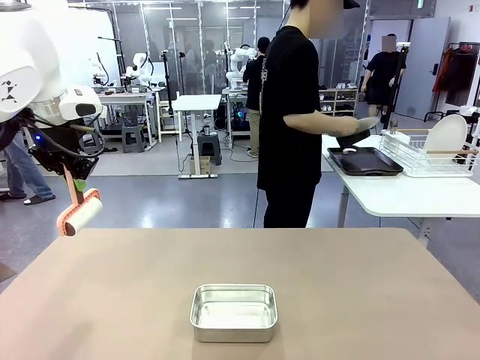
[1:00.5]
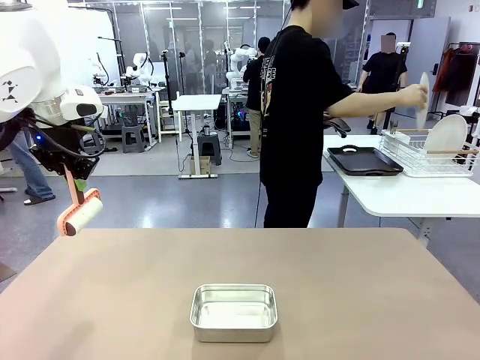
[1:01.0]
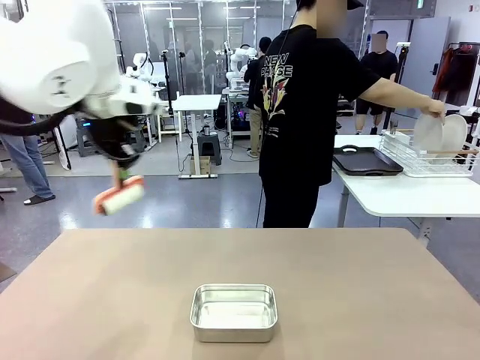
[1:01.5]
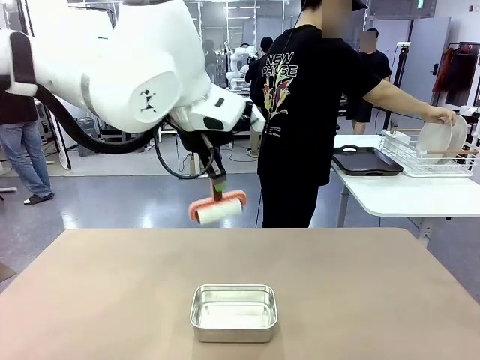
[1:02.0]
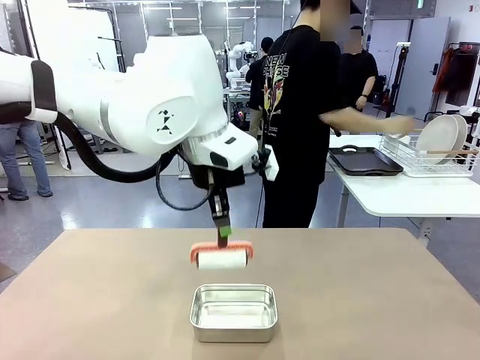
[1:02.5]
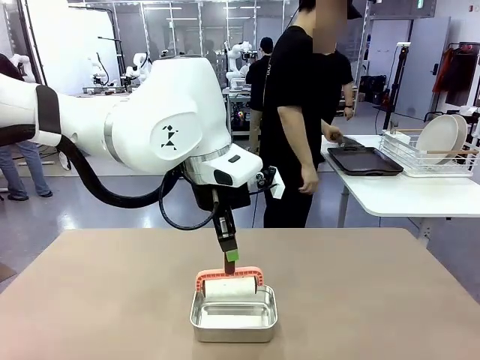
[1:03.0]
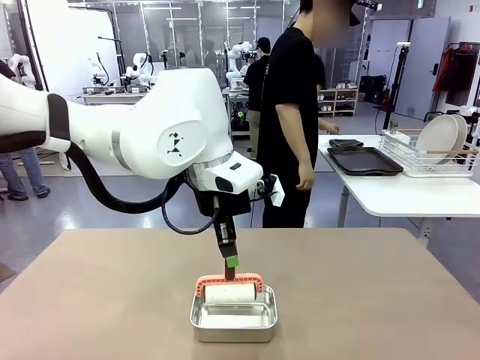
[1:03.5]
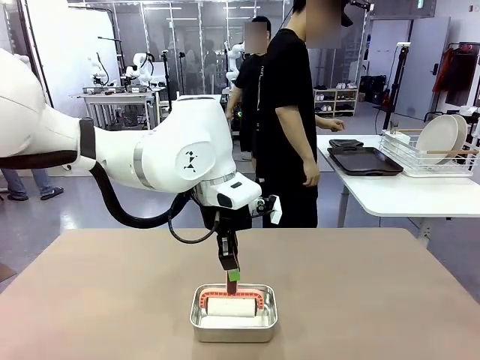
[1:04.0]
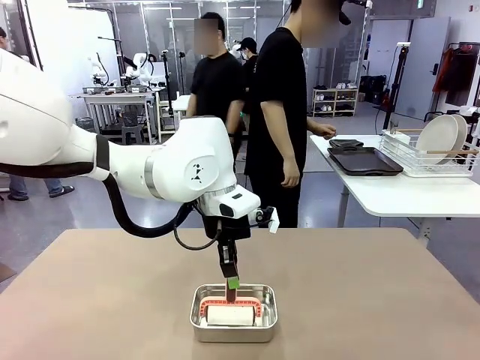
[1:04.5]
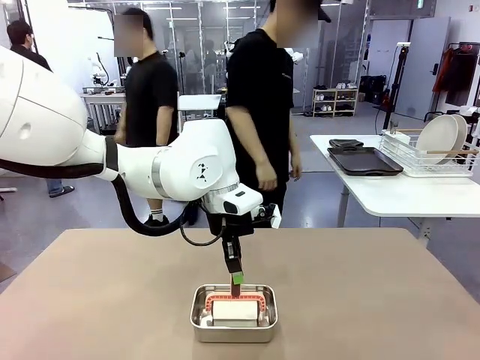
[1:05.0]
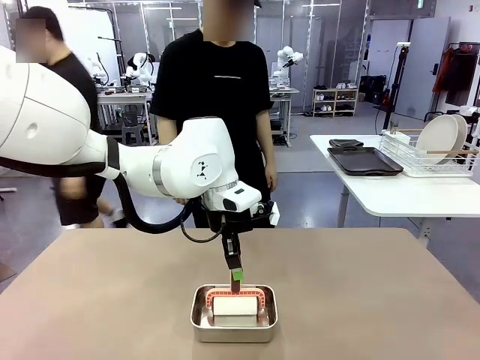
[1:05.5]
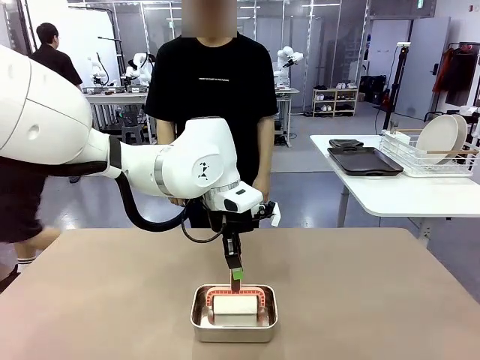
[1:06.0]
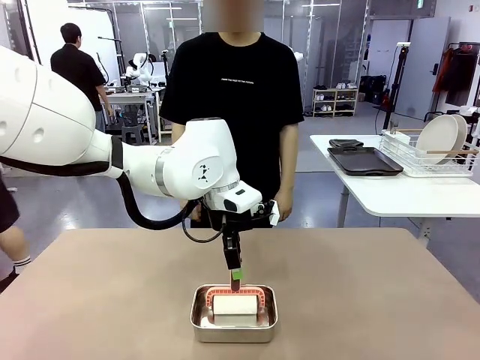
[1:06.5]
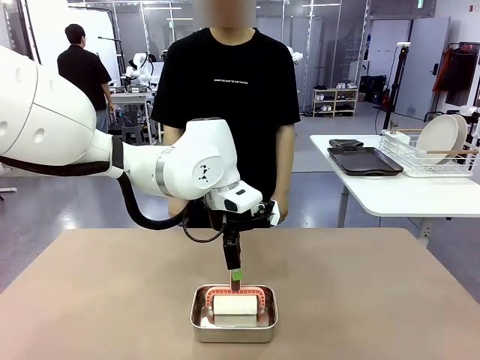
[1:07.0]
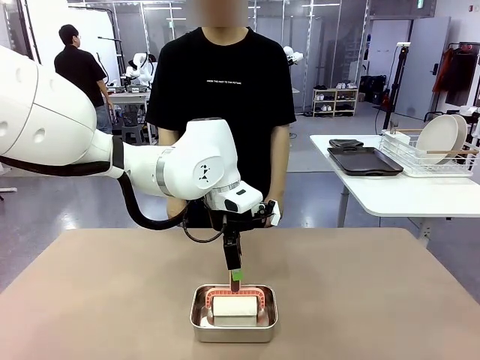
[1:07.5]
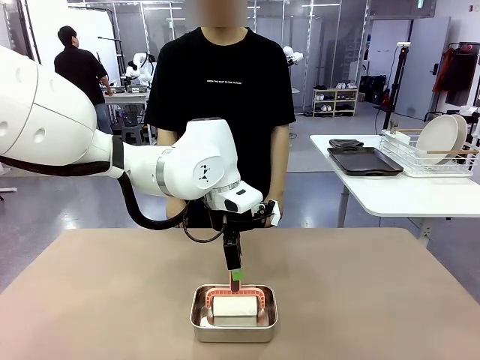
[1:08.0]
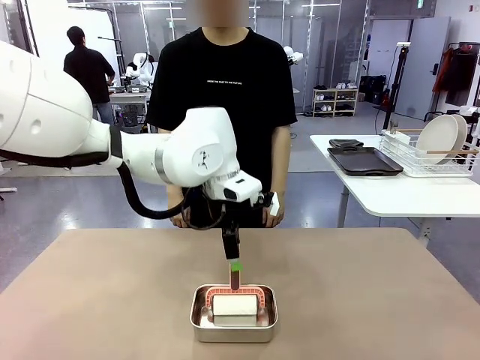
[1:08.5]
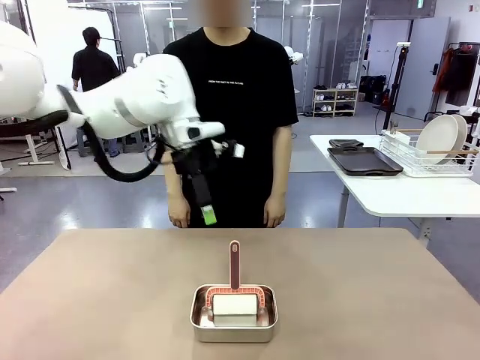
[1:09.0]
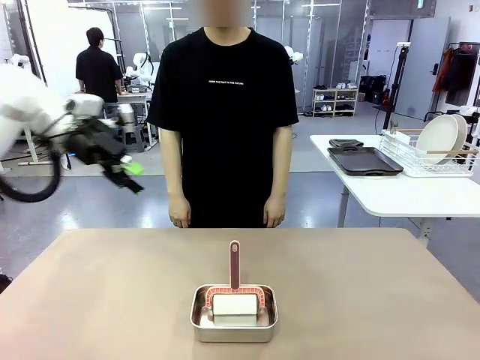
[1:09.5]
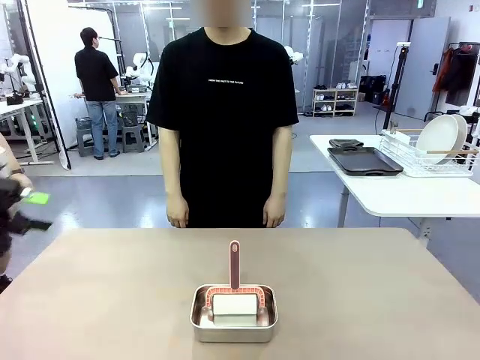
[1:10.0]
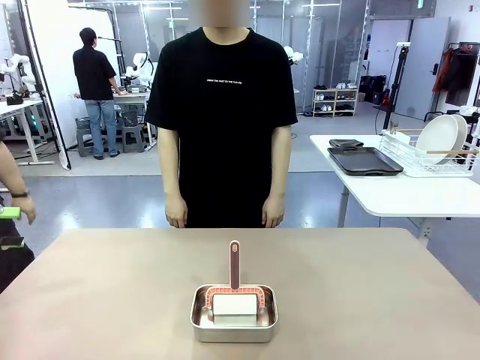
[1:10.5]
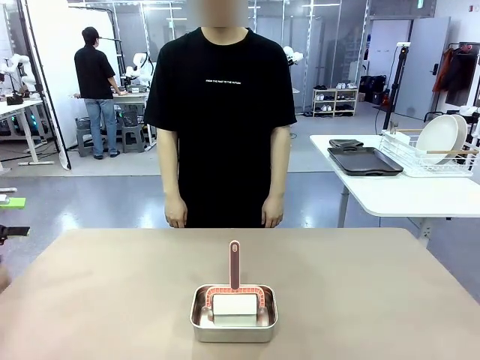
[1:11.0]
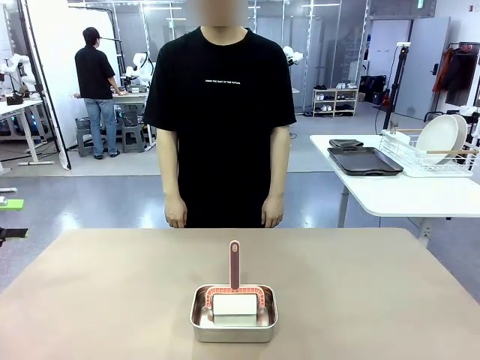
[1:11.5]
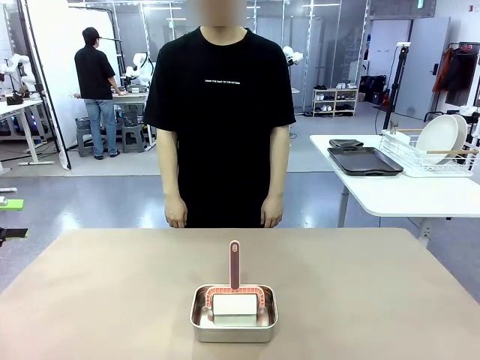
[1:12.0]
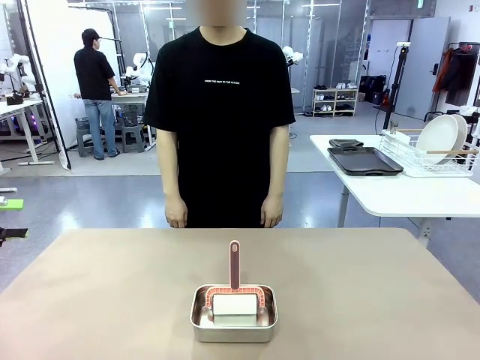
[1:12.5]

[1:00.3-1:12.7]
Robot: Place the Lint Roller back on top of the Airtight Container.

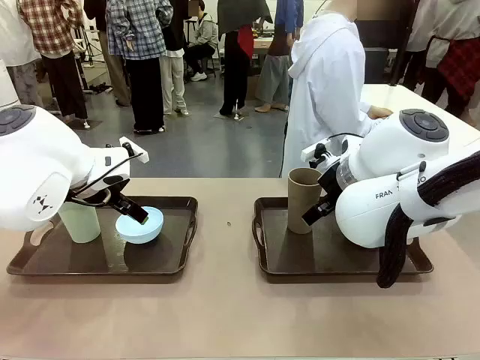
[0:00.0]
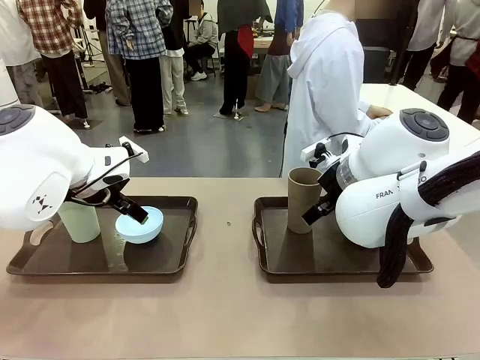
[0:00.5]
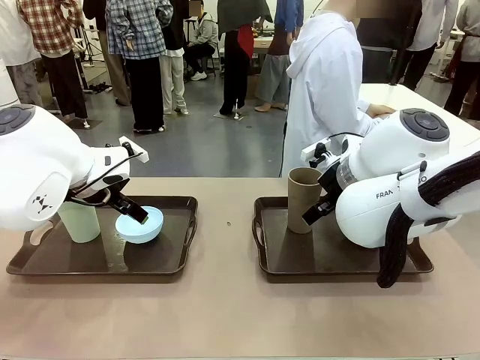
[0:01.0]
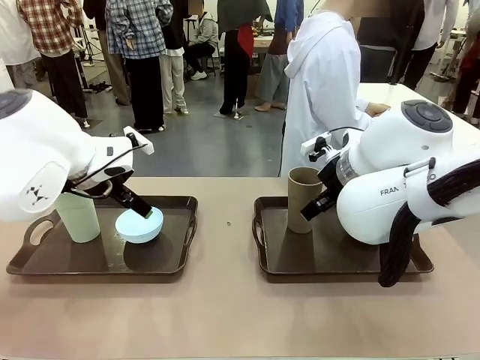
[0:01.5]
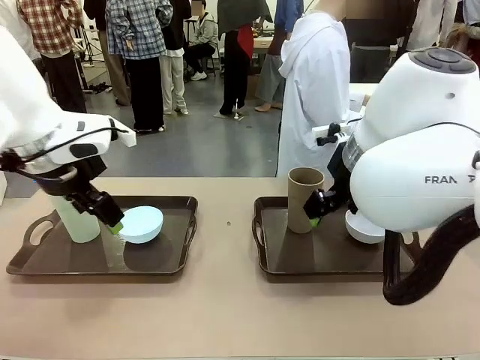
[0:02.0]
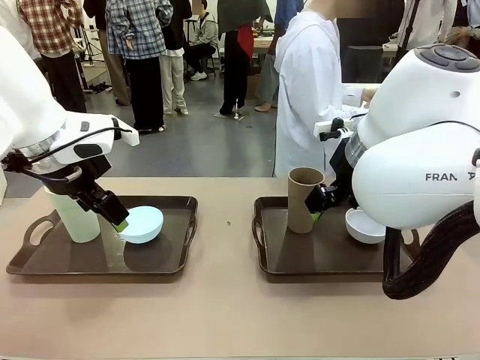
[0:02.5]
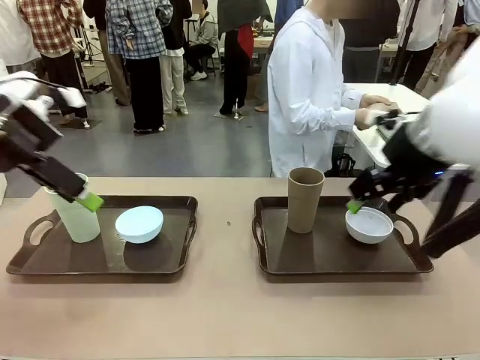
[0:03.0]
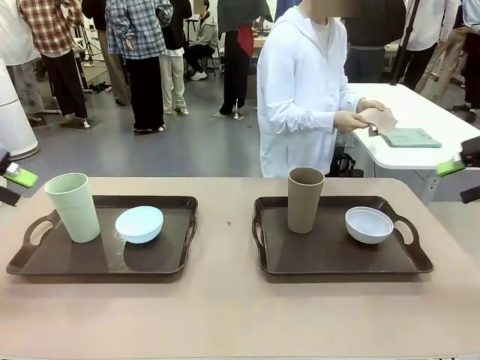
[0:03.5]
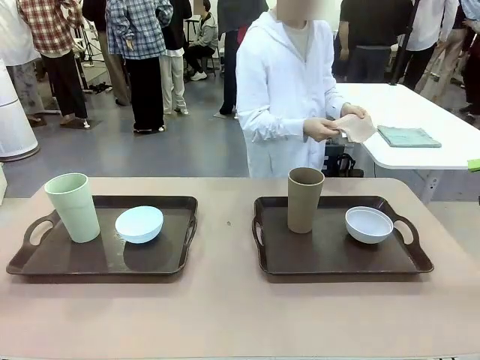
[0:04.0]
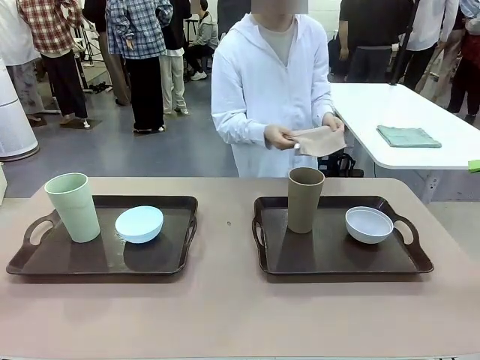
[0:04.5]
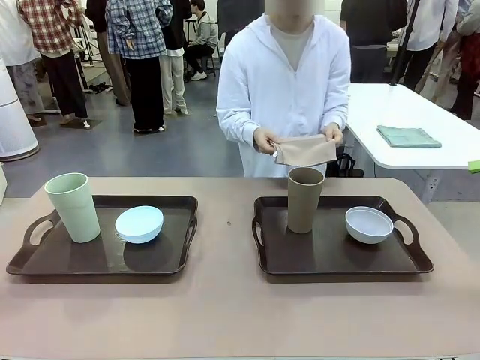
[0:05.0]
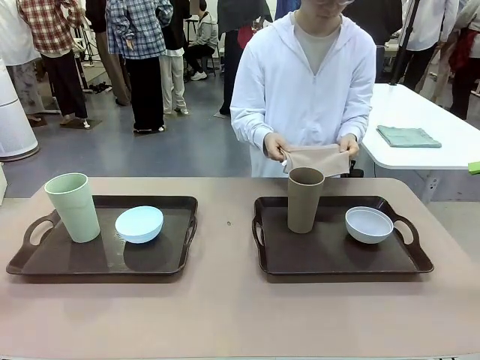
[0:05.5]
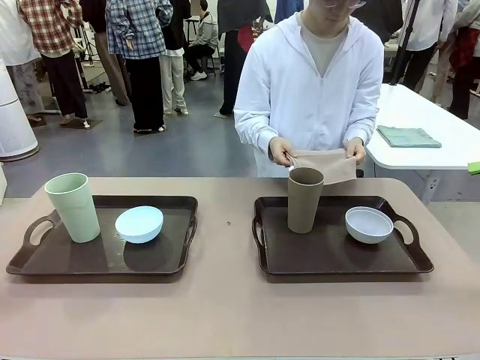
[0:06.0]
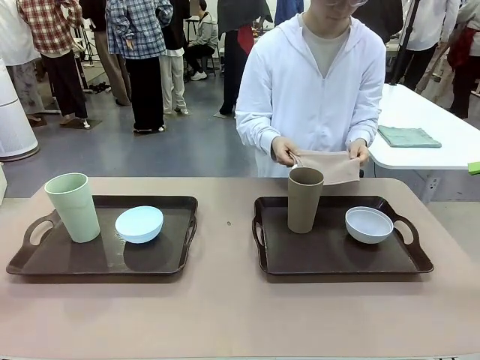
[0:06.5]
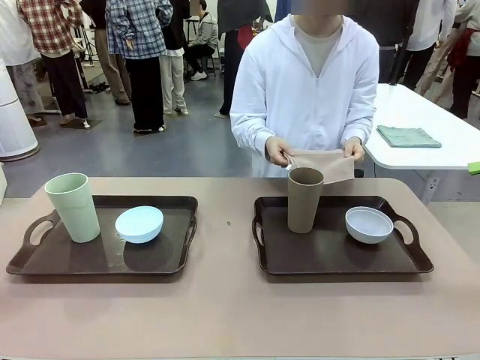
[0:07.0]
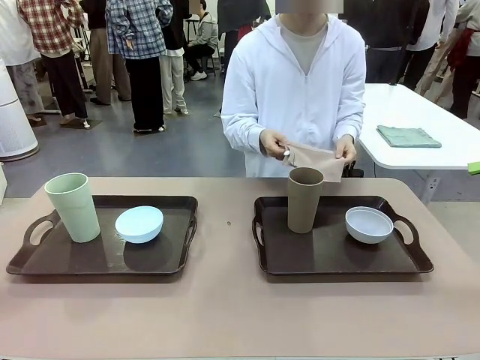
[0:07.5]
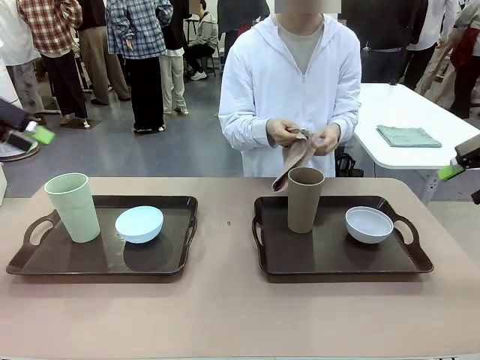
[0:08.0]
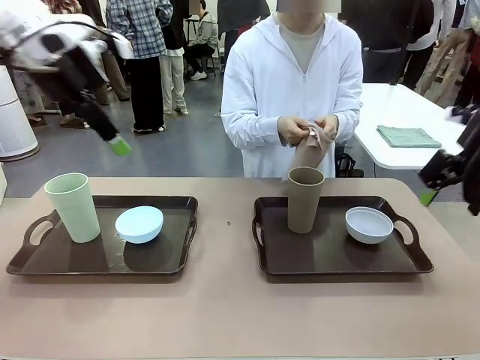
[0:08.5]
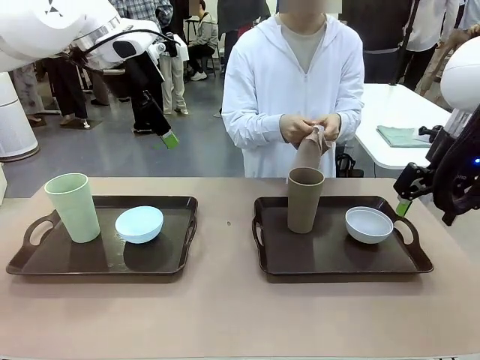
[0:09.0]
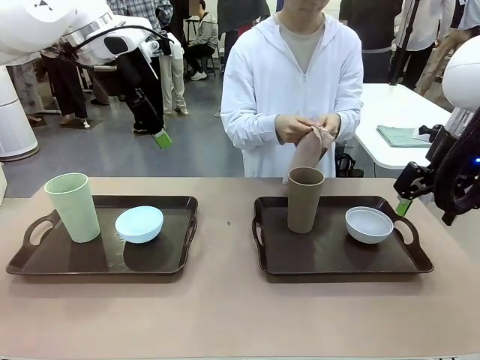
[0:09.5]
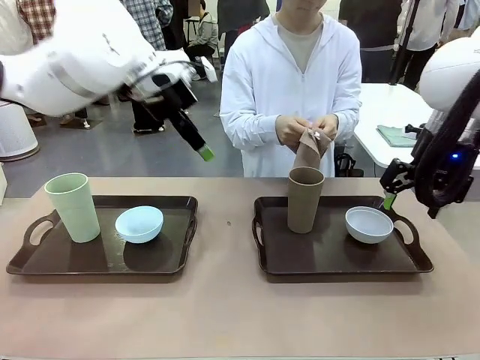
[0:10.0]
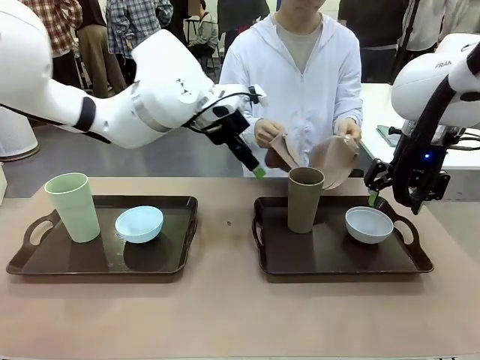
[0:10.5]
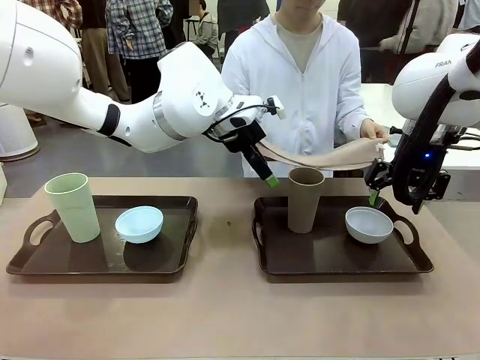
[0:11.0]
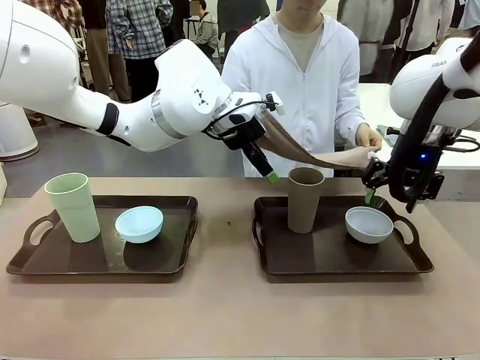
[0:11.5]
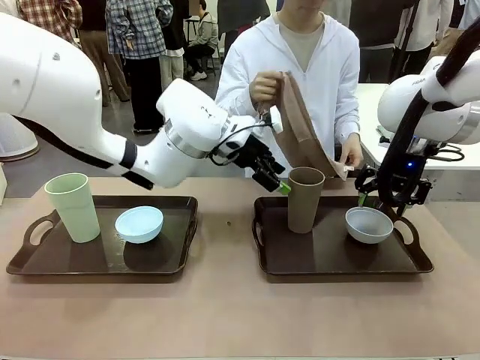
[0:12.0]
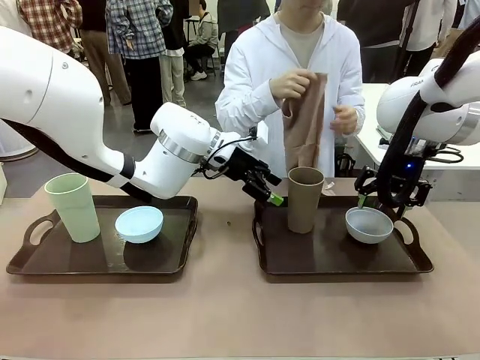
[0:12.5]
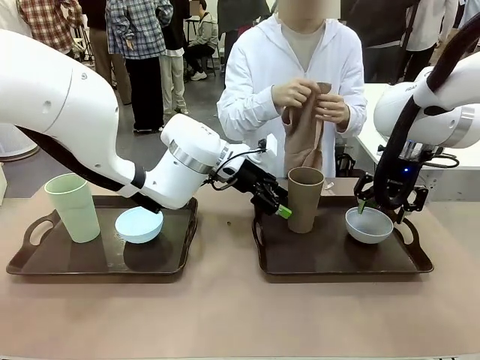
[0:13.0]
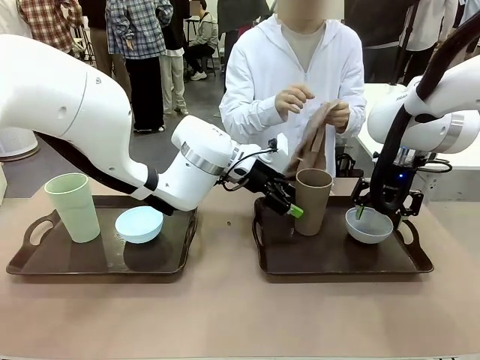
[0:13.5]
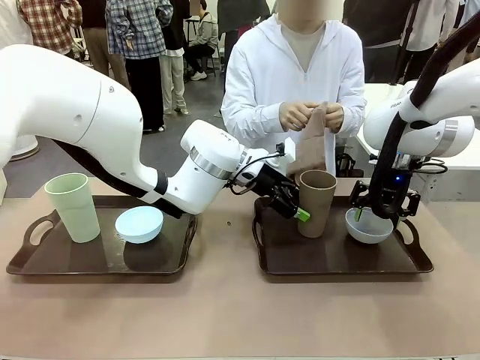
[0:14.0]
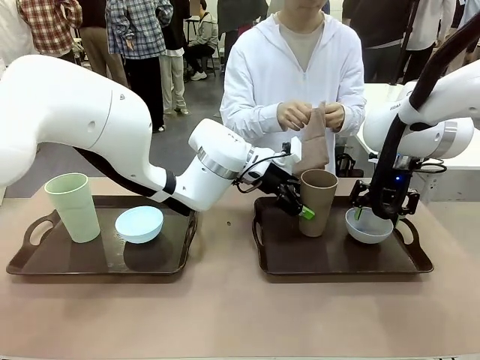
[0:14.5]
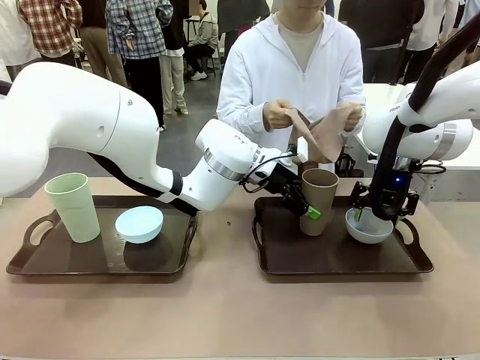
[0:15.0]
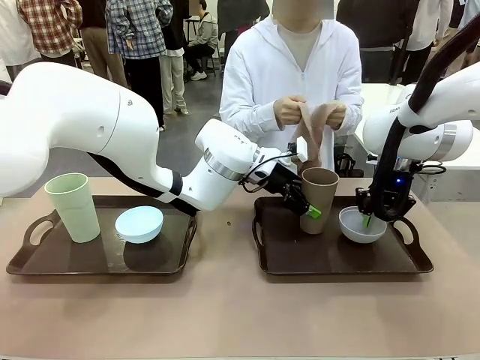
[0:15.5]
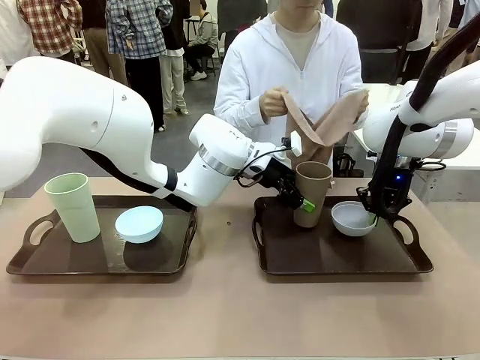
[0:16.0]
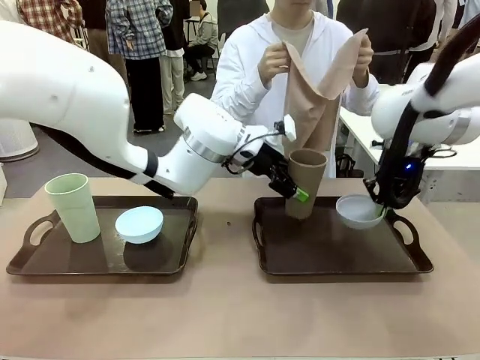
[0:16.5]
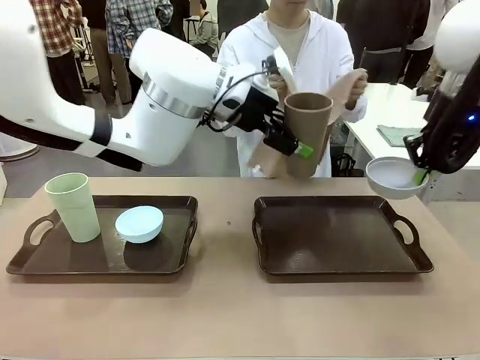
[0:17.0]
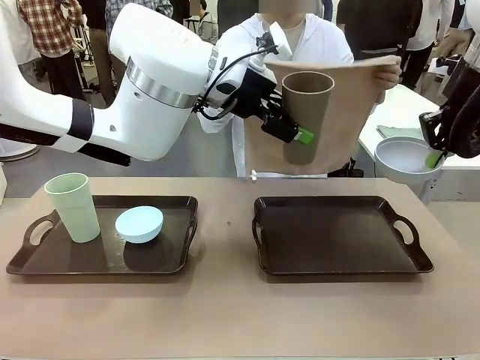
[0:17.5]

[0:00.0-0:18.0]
Robot: Pick up the Picnic Bowl and Reusable plastic cup from the Handle tray in front of the human's position and hold them in the air.
Person: The human picks up the top napkin from the stack on the human table and walks to the robot table to stand in front of one of the two trays. When the robot lifts the bowl and the cup, the human unfolds the napkin and lays the napkin flat on the tray.
